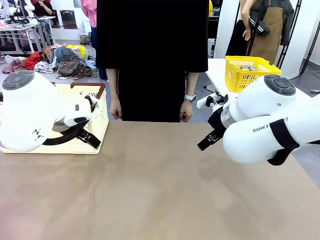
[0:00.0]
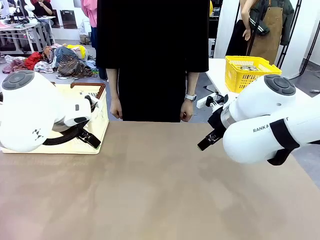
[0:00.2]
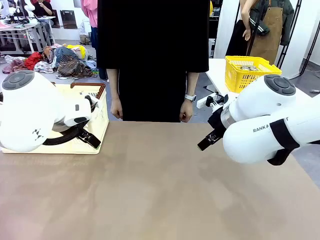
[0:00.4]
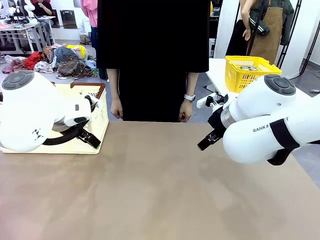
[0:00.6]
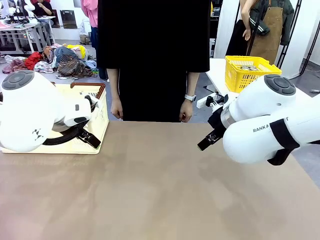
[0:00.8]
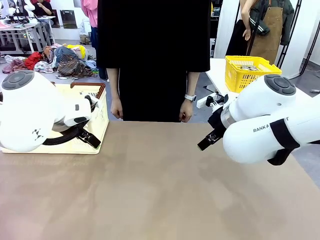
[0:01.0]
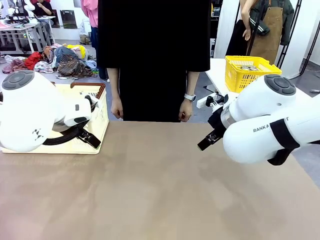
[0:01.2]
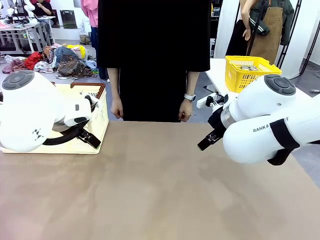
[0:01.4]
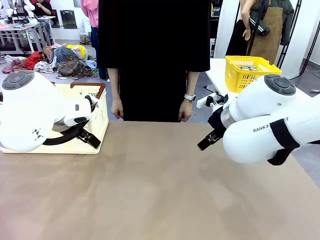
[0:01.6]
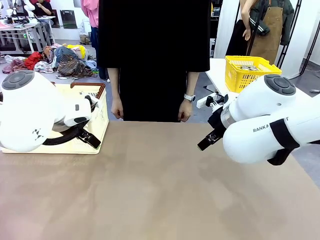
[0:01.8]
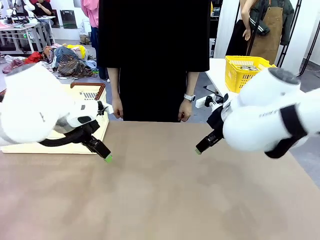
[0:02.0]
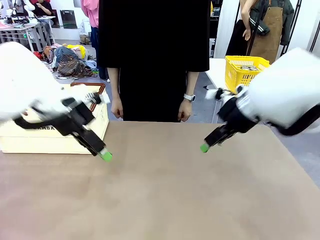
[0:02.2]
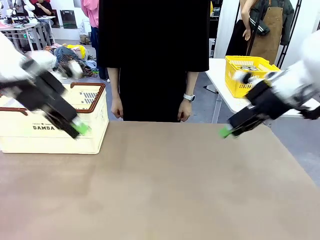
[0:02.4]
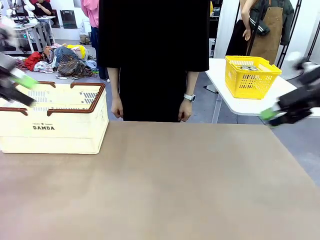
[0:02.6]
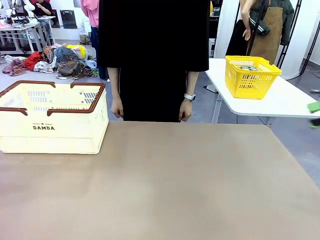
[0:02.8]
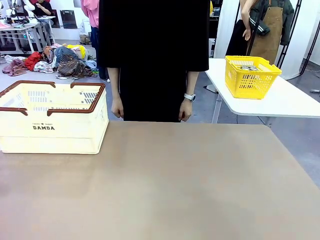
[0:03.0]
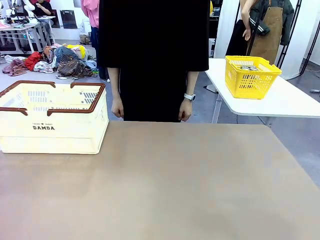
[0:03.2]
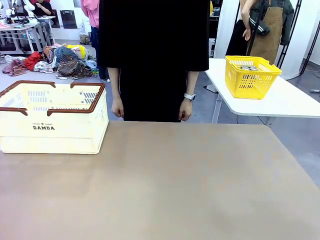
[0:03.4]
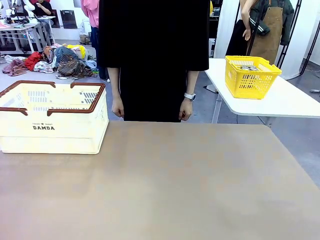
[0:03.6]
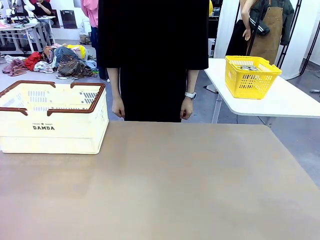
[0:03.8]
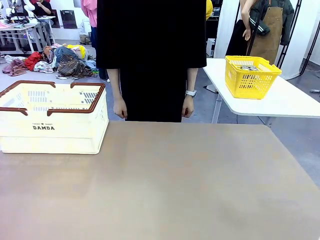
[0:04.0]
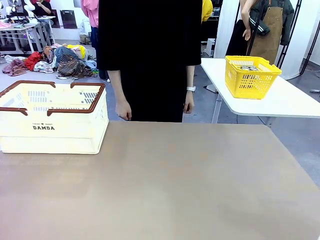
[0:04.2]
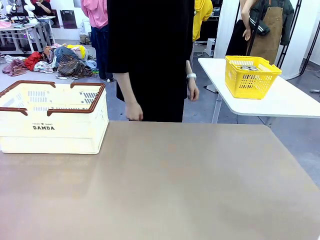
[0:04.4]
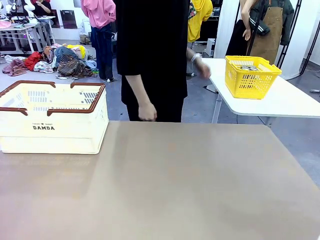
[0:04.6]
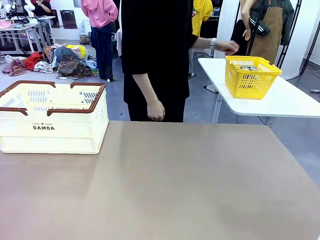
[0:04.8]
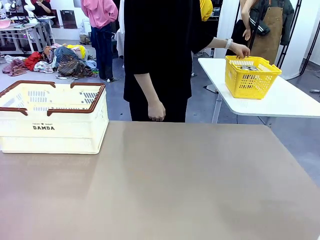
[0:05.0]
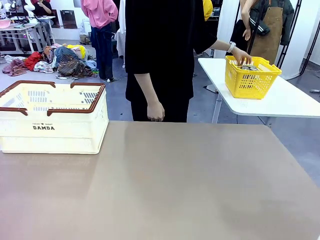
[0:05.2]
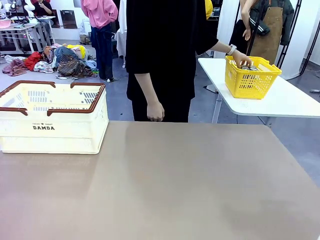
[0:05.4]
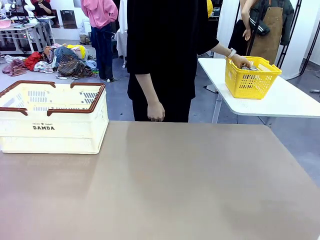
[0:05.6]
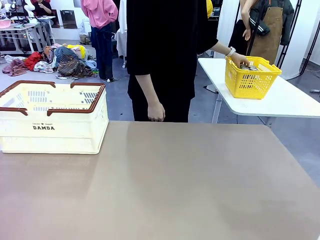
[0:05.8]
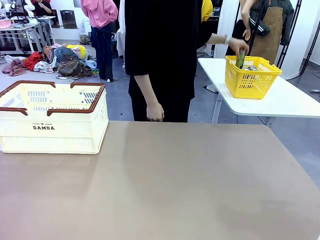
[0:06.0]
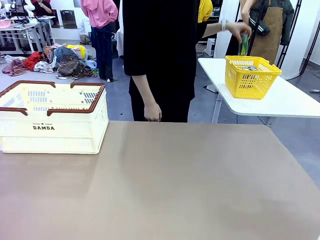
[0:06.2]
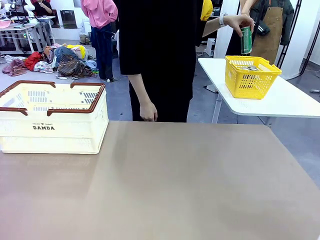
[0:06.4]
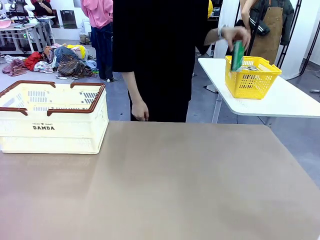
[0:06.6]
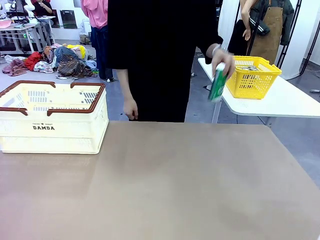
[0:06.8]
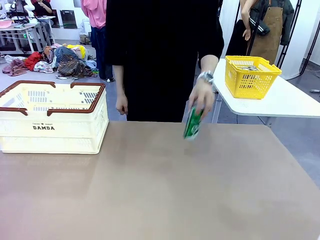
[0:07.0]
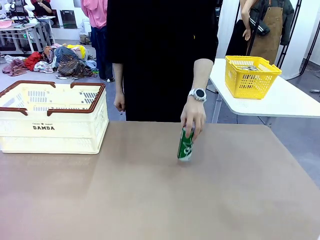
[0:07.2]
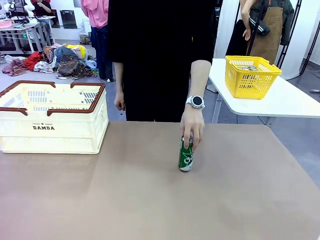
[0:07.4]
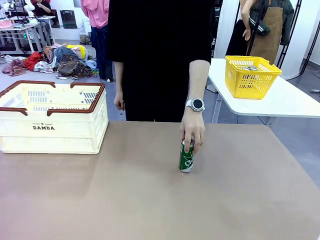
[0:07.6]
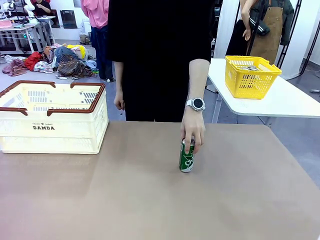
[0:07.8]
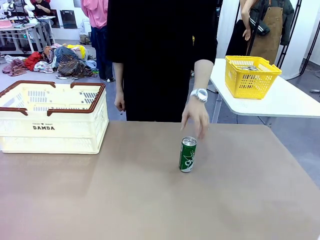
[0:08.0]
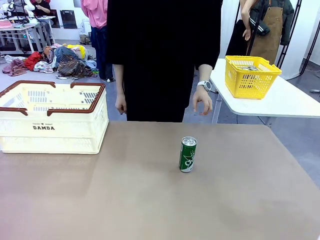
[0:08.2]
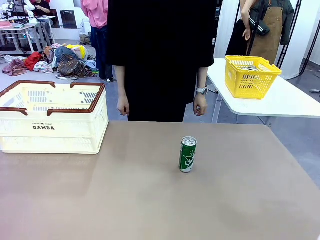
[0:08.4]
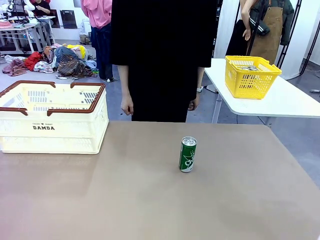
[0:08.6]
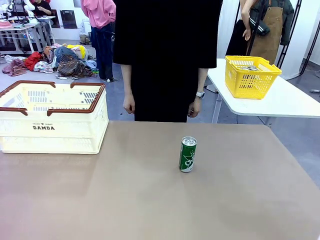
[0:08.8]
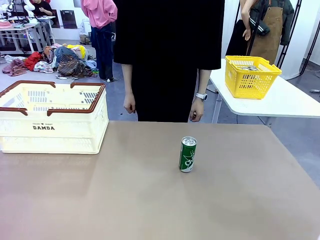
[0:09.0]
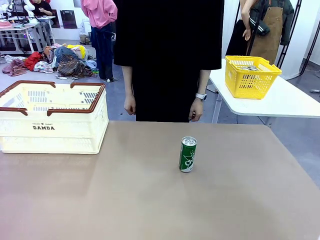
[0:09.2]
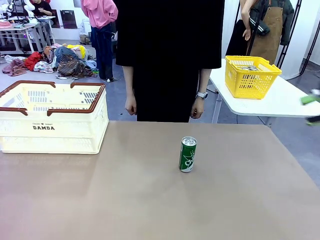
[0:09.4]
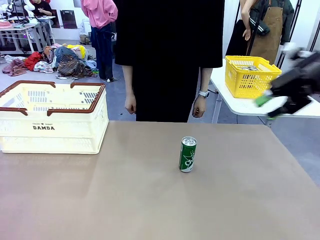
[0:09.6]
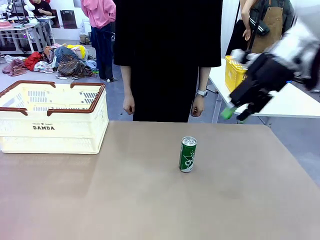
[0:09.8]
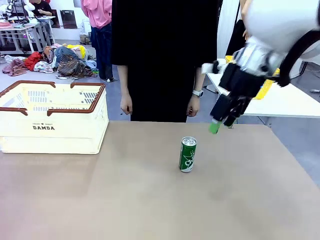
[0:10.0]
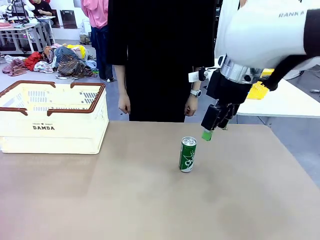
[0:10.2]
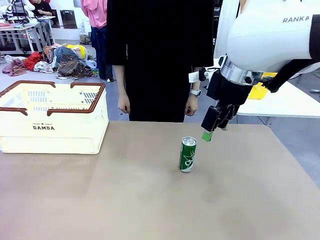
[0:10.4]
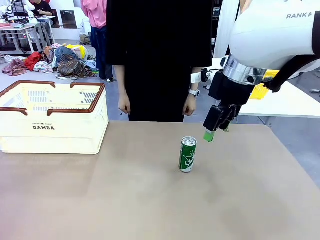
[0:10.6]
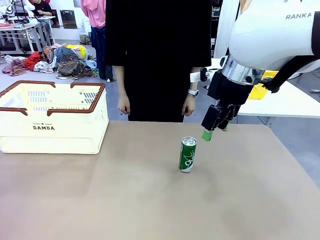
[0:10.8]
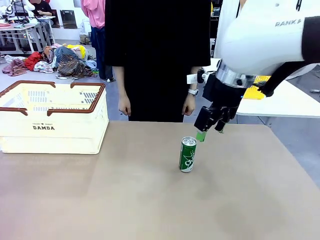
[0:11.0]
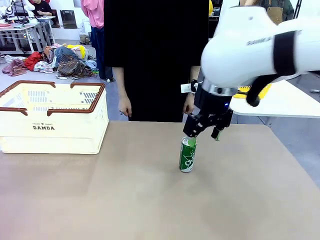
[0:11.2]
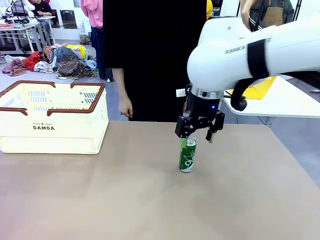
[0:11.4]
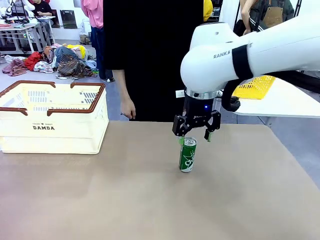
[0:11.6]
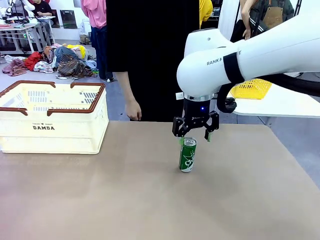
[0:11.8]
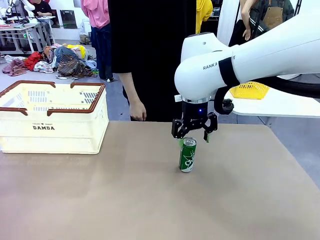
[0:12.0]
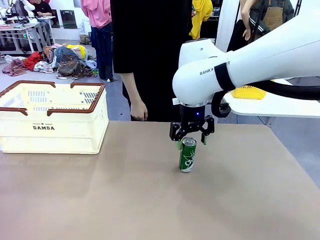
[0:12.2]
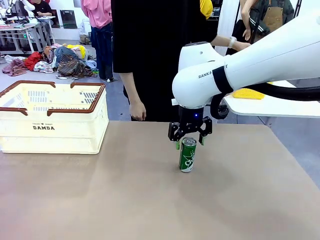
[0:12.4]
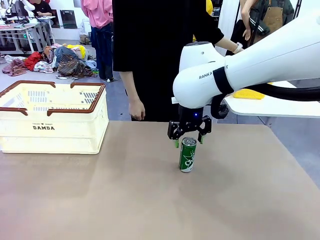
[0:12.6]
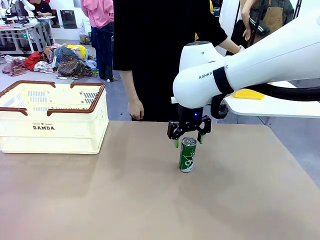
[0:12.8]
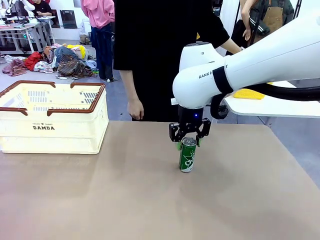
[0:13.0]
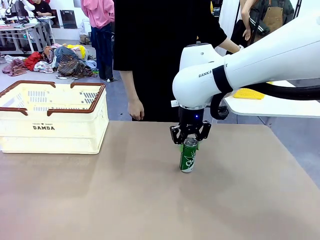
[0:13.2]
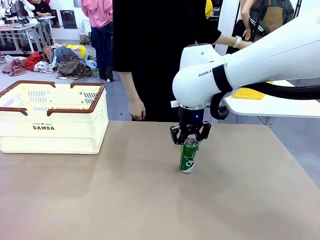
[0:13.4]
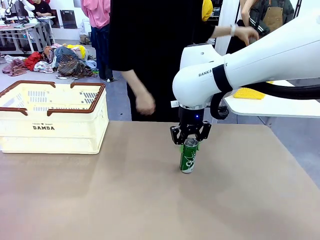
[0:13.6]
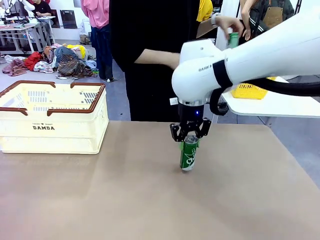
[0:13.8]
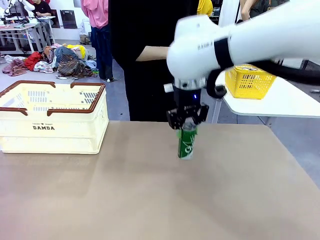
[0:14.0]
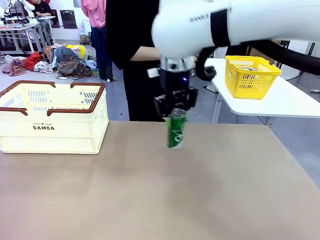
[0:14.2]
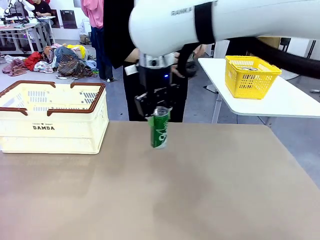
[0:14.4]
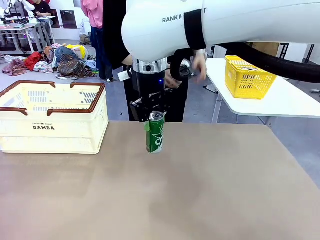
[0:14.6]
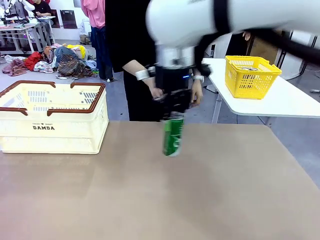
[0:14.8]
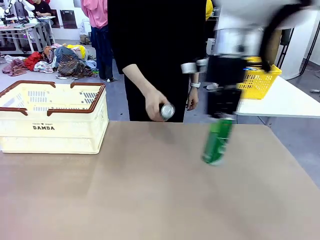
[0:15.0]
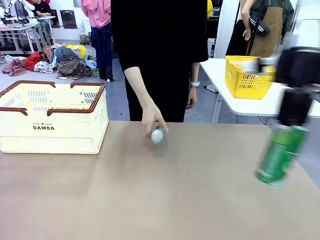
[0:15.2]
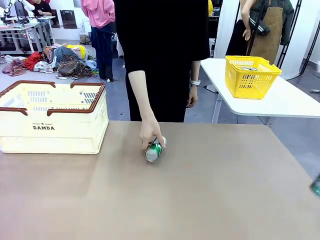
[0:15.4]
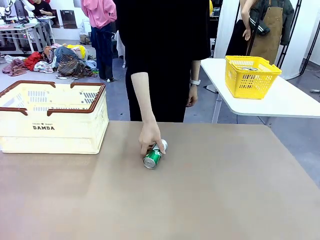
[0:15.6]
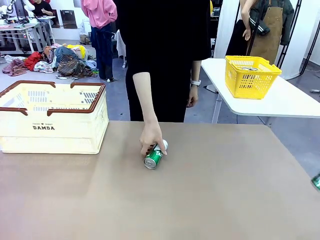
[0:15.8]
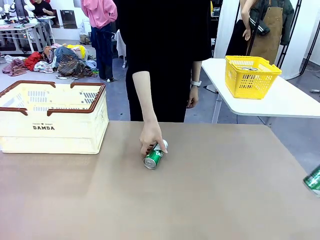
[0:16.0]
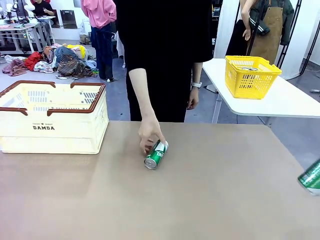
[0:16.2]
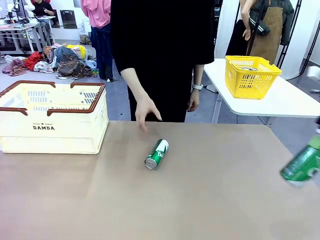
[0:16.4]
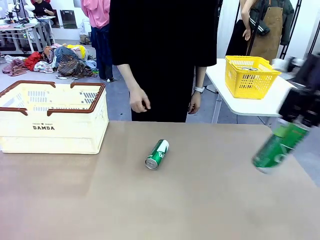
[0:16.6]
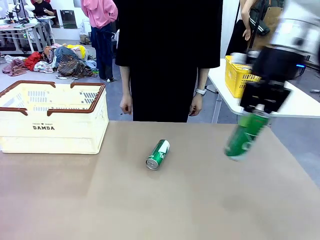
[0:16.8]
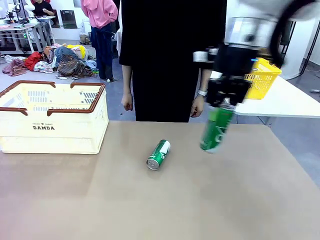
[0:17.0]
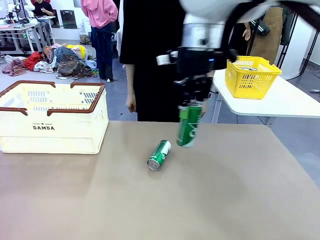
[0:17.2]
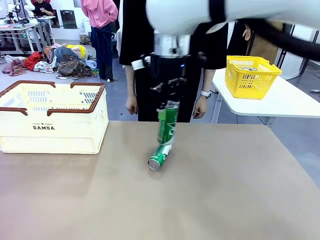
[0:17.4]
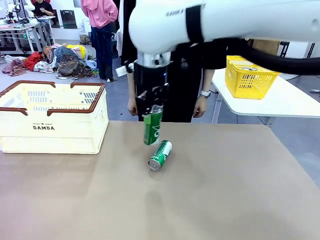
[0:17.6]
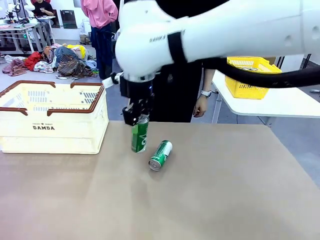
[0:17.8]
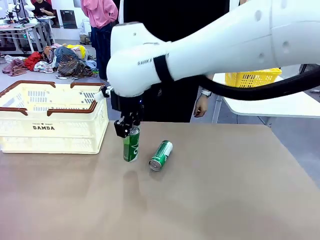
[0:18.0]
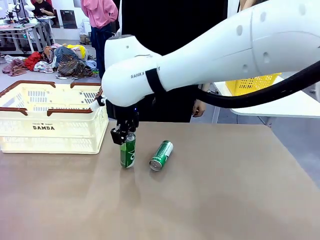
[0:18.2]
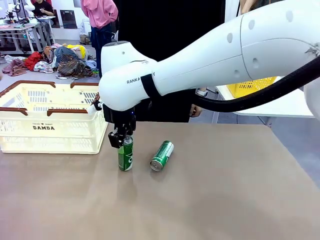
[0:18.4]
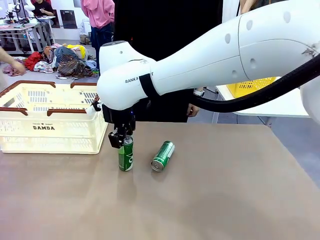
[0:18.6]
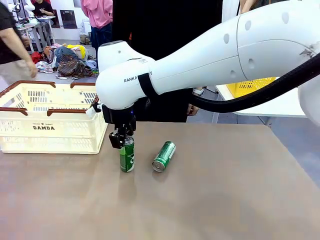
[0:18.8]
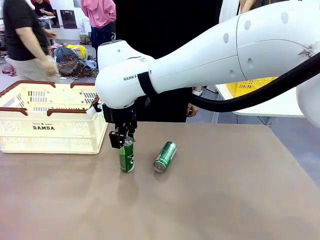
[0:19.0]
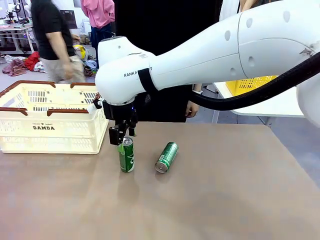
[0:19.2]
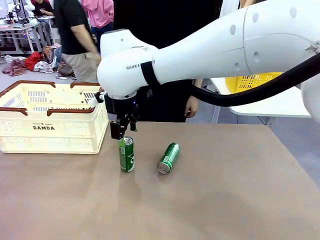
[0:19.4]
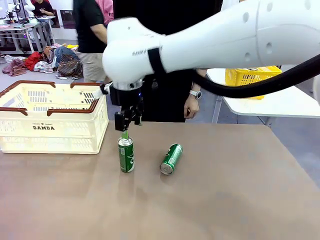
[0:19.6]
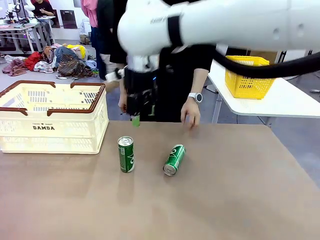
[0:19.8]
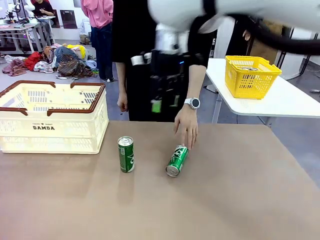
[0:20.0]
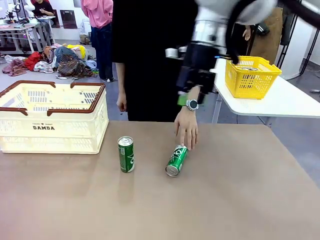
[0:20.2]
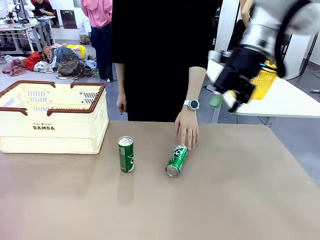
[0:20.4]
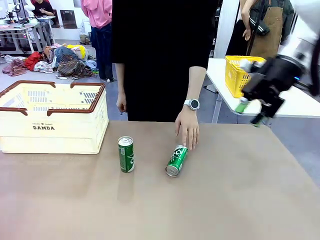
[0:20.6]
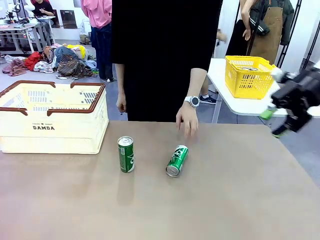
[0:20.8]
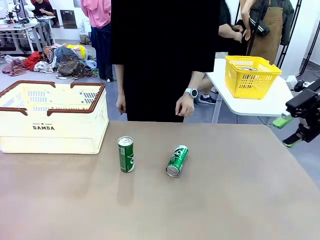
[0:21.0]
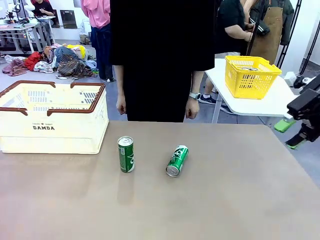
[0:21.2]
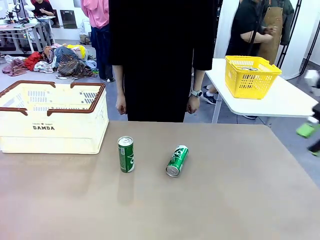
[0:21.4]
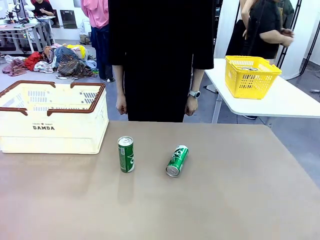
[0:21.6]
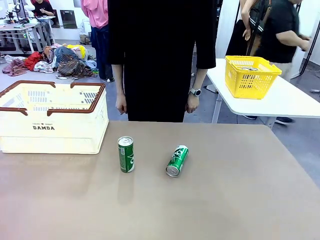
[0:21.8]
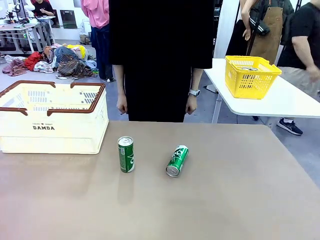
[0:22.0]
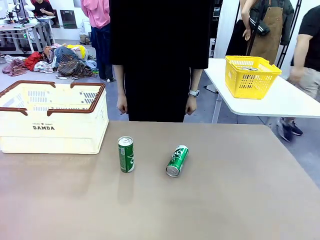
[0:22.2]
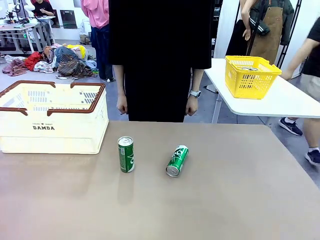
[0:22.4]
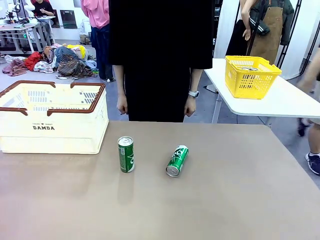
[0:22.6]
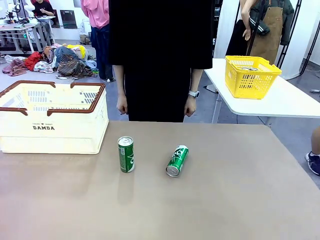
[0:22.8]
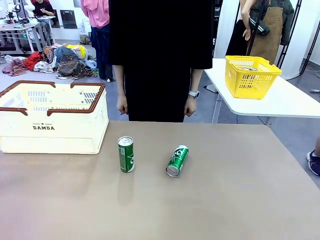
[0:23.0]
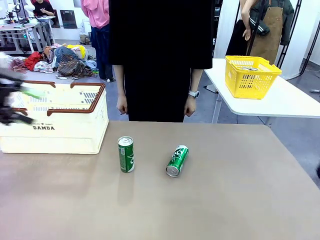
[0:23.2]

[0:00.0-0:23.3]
Task: Place the drinks into the Shopping basket.
Robot: Pick up one drink and place it into the Shopping basket.
